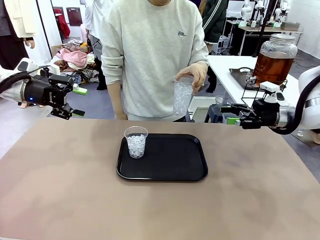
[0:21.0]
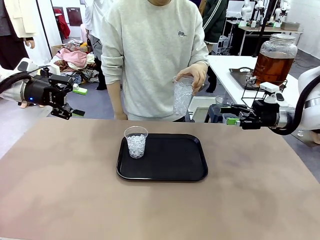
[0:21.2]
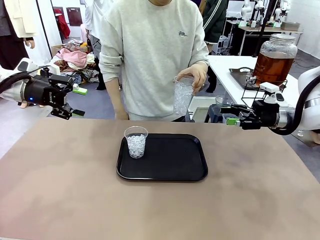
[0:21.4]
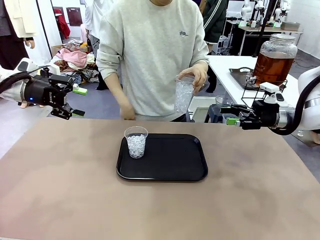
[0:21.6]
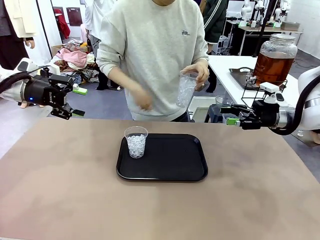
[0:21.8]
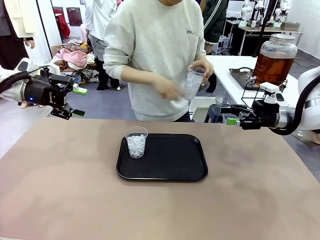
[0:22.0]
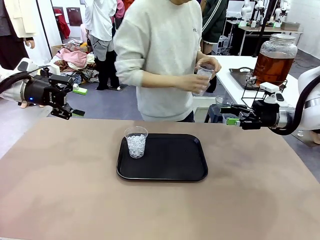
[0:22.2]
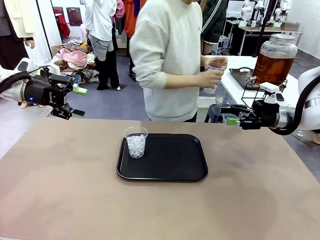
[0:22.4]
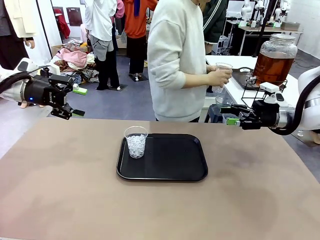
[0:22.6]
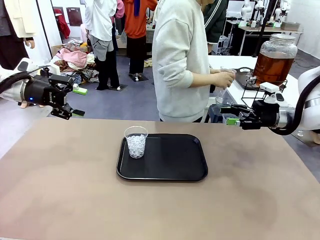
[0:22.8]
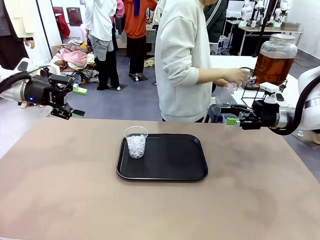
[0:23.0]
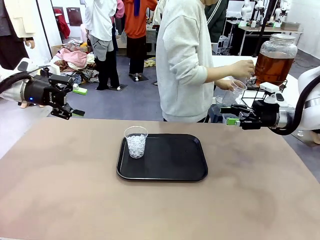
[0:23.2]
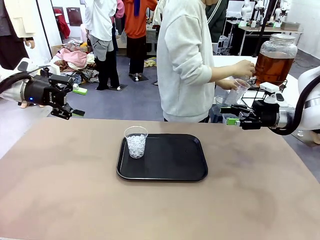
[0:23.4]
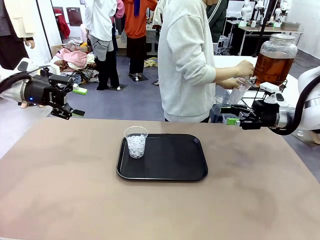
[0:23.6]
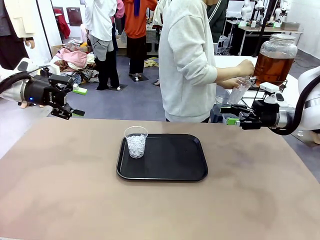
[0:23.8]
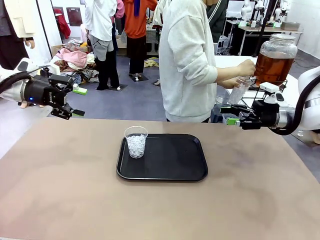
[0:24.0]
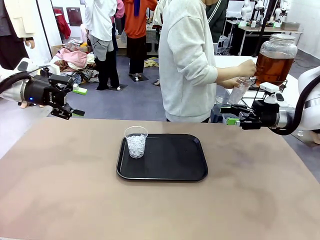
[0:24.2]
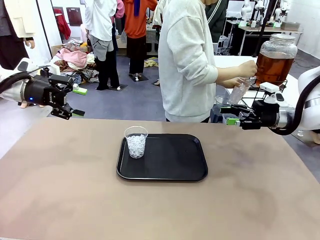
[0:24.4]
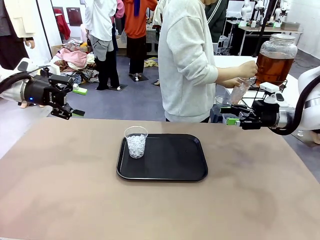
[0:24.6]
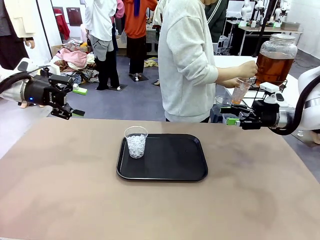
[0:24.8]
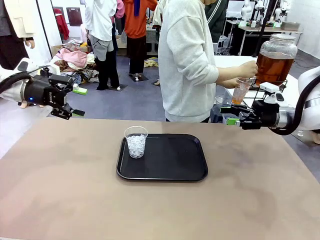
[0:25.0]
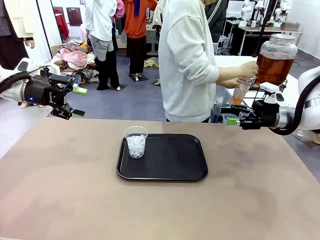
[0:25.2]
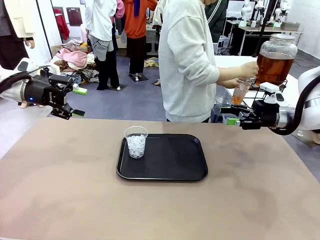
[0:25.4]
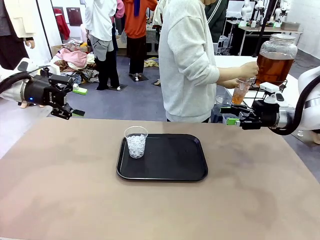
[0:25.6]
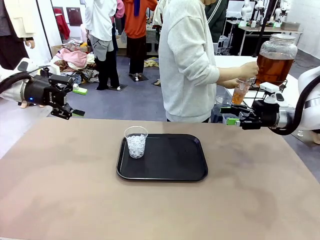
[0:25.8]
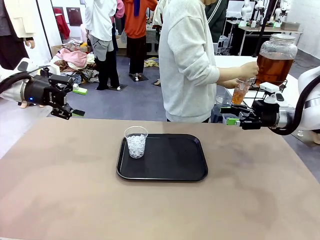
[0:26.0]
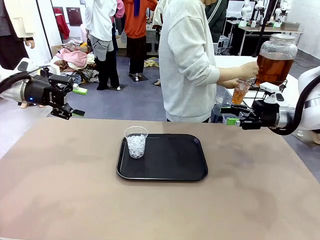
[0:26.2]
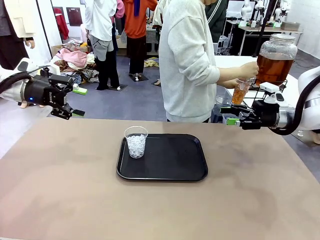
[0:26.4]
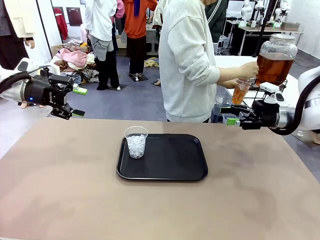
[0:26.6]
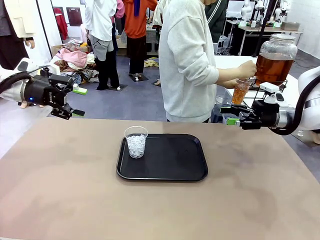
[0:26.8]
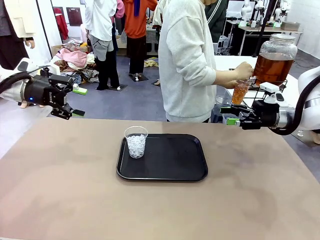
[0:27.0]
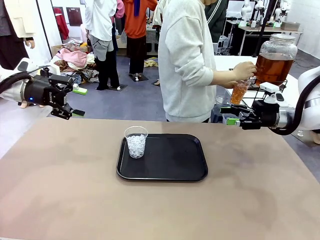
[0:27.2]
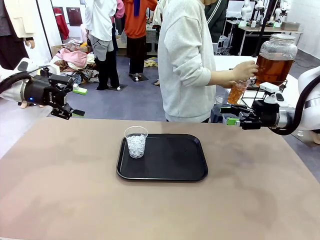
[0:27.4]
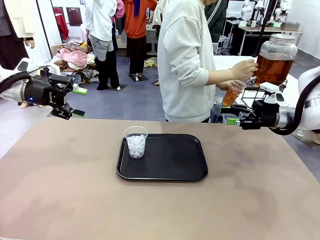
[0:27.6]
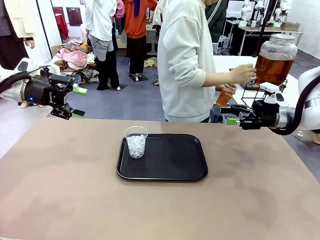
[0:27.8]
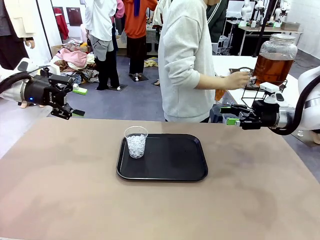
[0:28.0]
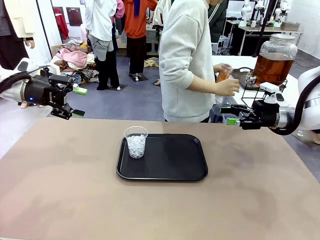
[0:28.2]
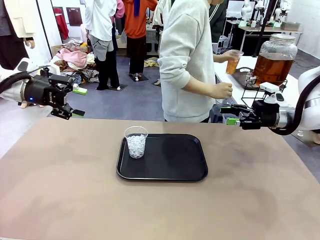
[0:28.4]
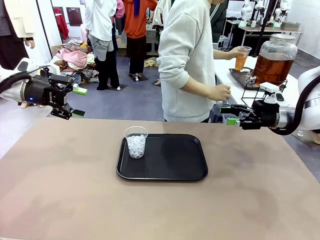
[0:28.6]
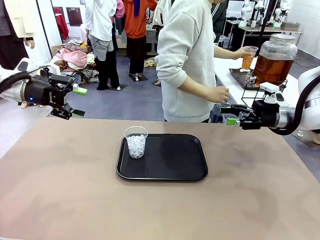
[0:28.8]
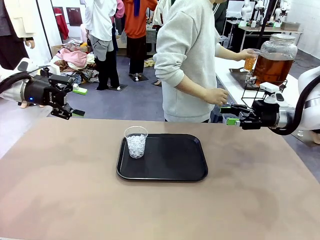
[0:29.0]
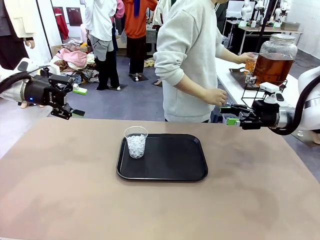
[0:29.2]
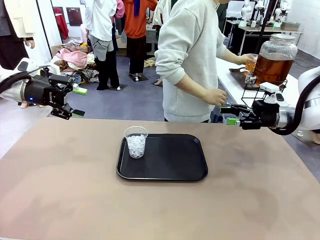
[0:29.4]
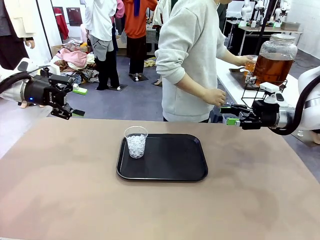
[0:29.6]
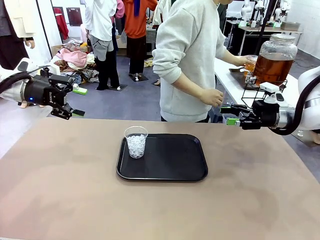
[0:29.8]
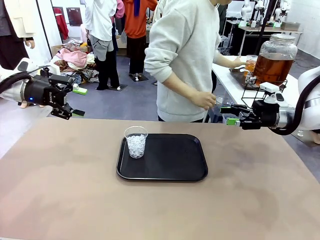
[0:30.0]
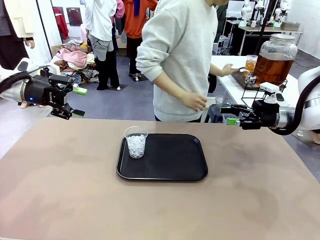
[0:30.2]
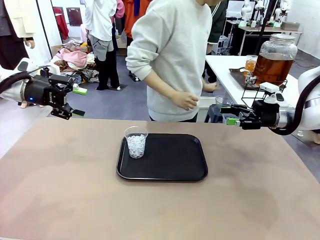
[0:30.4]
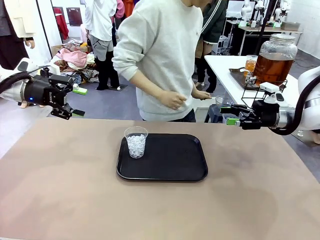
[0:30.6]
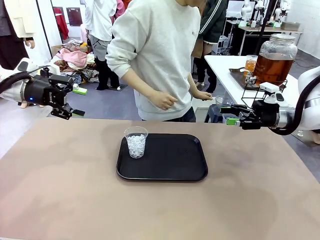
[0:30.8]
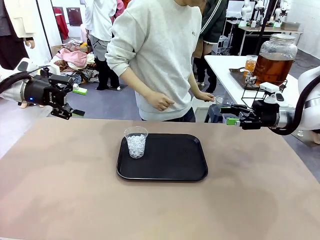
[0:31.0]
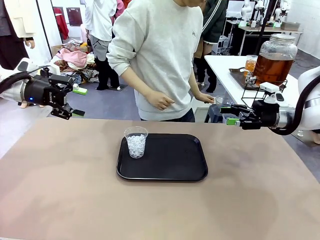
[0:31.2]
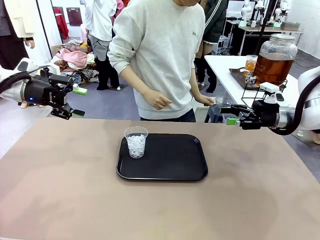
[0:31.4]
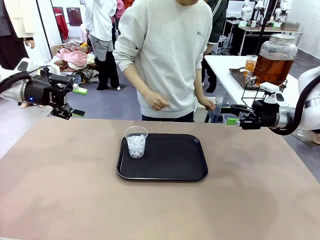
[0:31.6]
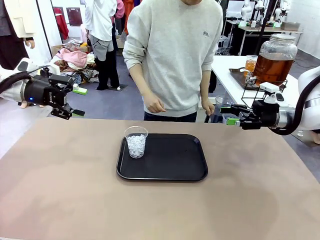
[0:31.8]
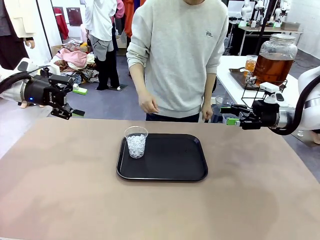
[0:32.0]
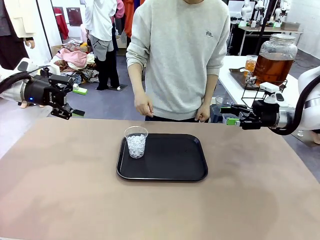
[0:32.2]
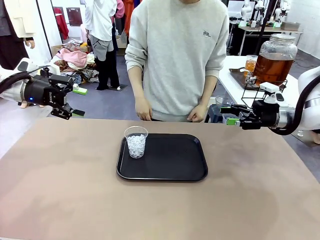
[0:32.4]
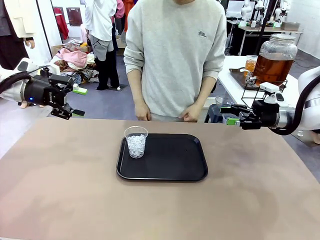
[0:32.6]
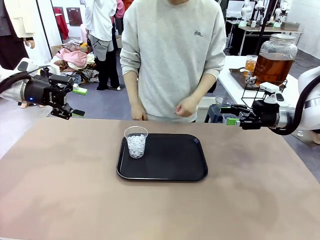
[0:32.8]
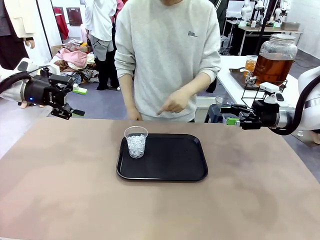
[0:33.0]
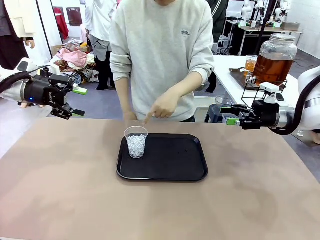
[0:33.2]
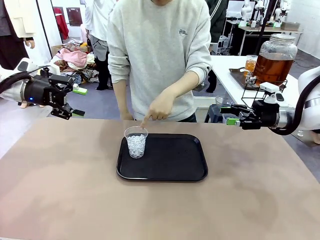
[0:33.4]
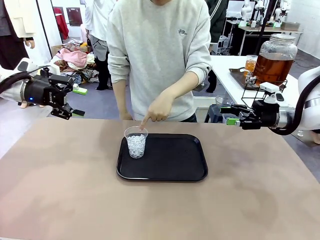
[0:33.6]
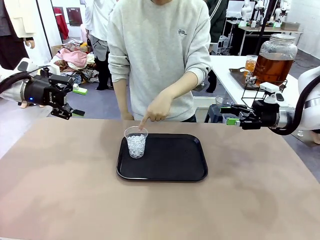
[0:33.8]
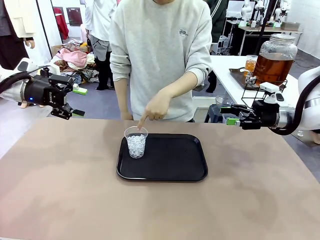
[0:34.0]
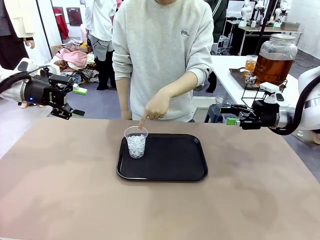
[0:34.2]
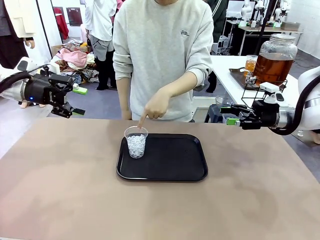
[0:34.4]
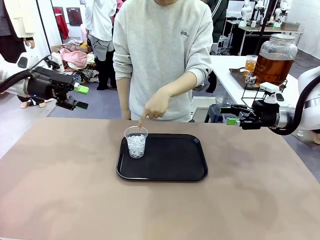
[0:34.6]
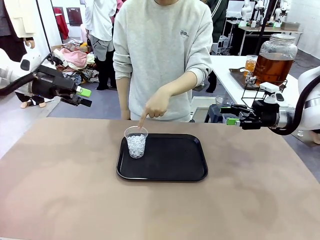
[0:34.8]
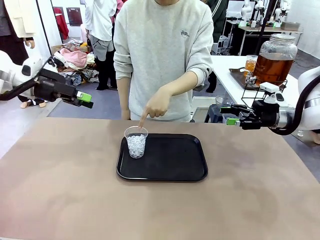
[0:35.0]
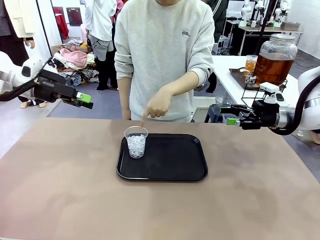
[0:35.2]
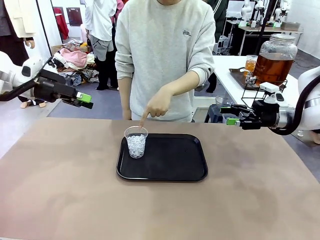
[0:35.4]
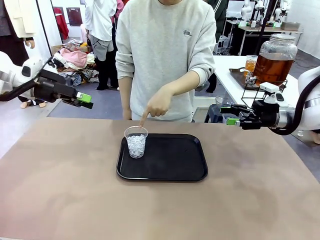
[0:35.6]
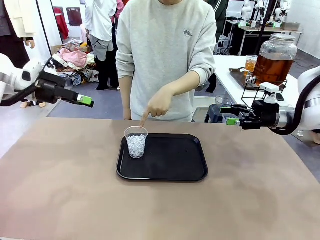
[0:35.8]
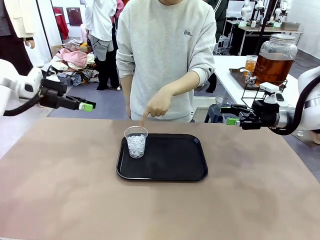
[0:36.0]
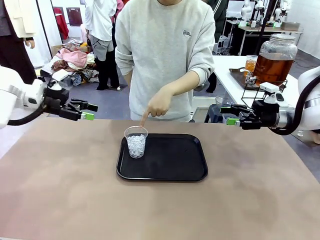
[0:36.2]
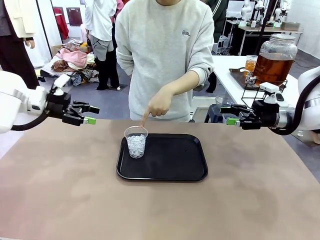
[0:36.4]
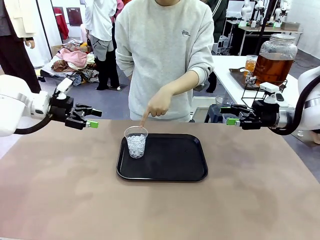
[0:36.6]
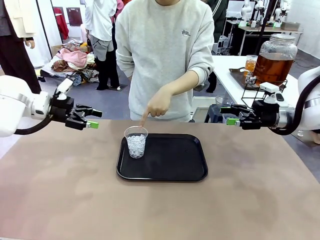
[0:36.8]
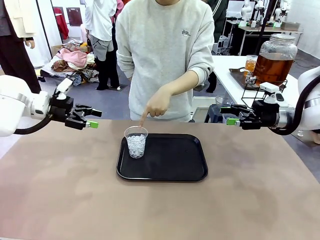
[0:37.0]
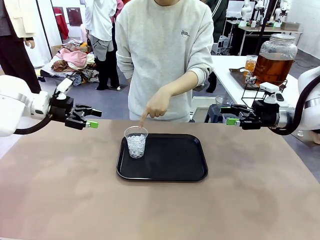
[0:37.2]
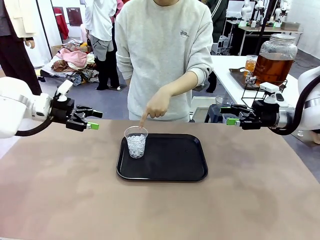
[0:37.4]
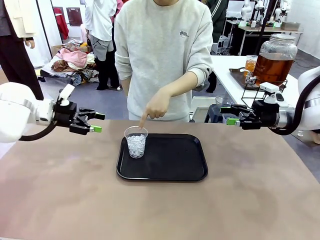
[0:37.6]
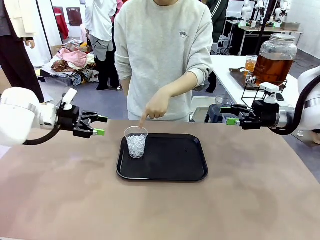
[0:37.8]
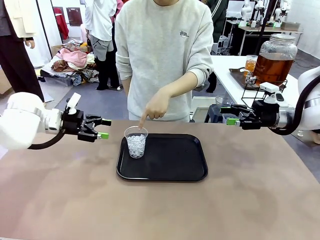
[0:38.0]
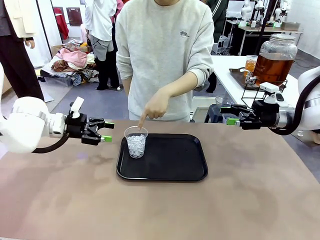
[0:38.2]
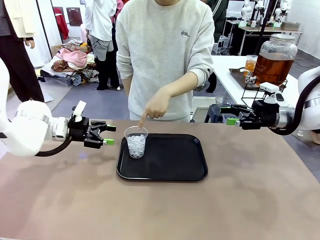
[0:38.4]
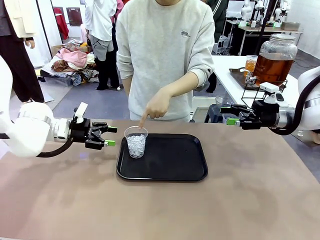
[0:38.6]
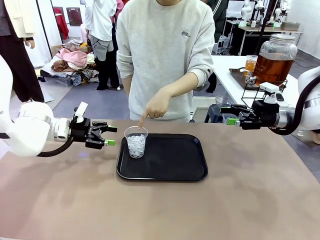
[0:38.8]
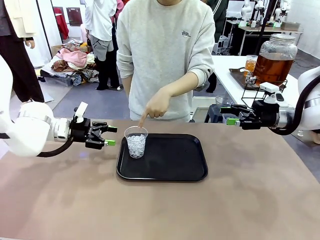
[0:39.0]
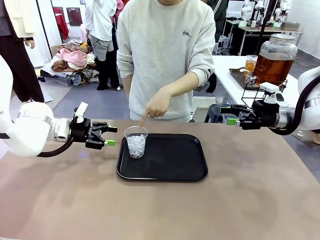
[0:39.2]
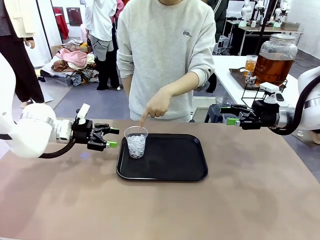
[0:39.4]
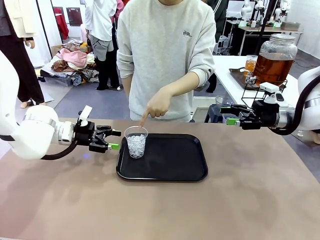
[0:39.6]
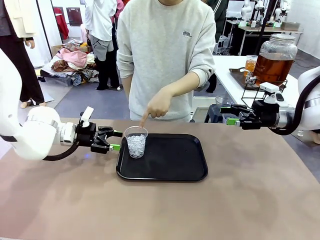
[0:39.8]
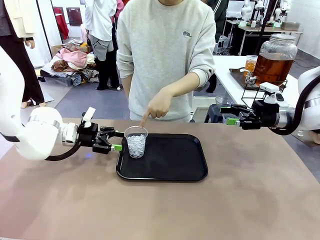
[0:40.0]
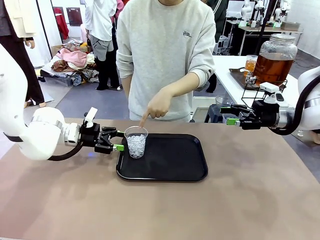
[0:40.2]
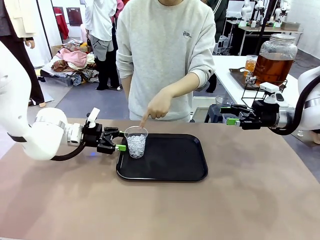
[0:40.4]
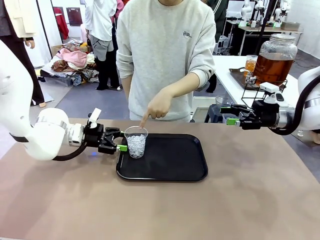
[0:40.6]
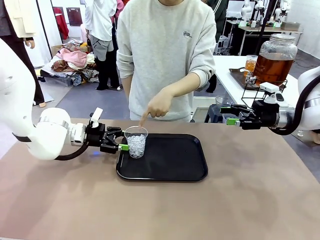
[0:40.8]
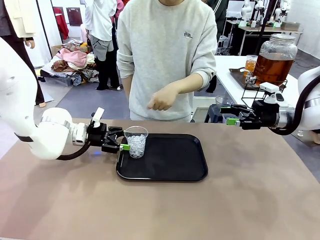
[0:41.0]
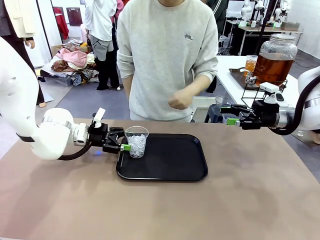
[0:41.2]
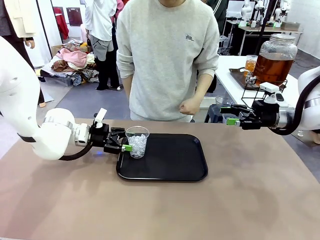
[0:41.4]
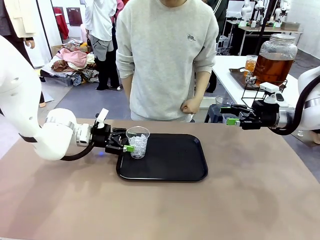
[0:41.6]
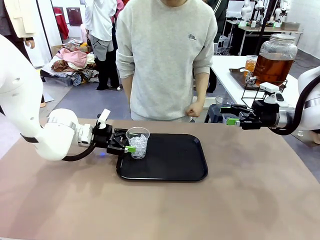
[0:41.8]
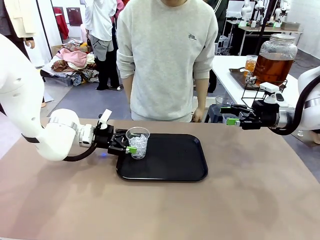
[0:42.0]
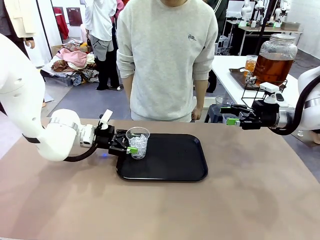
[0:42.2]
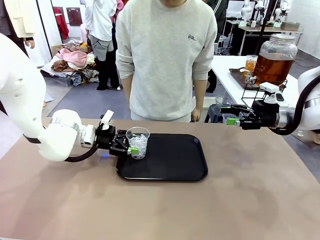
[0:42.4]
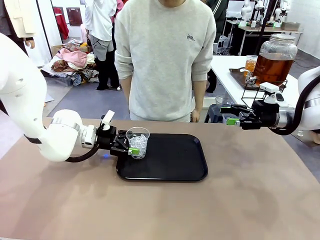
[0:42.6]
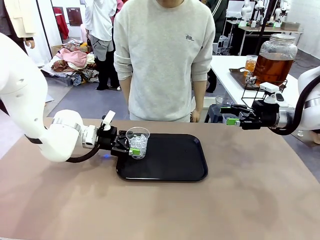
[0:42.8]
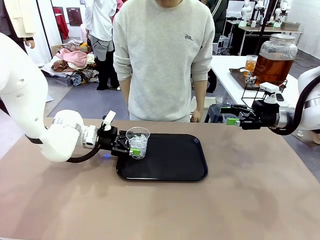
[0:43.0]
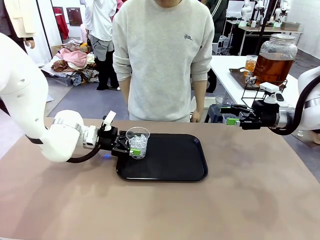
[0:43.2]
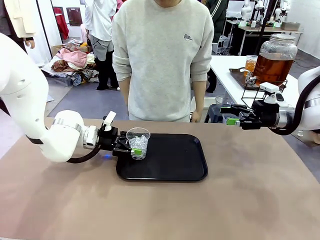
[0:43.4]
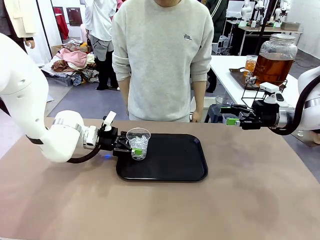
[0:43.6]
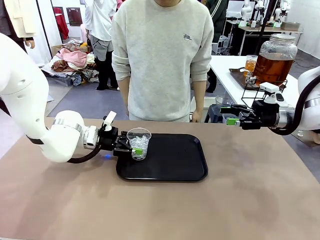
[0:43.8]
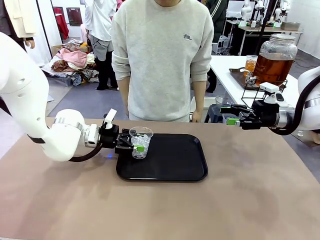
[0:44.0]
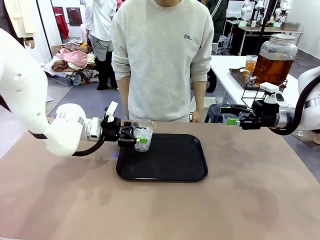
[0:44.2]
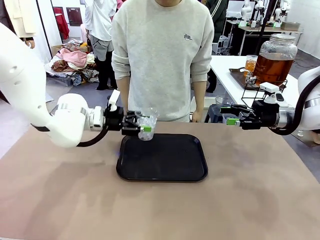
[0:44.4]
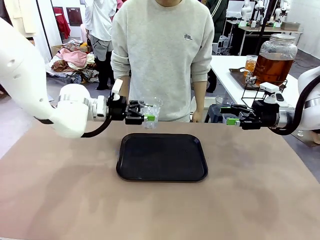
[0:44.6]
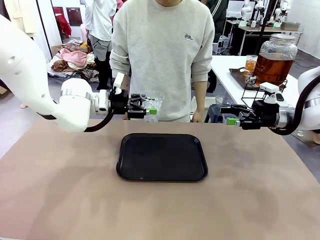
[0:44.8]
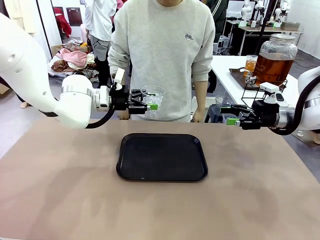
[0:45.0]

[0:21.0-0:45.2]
Task: Pour the drink into the iced cup.
Robot: Pick up the iced cup indicated by the human and present it to them.
Person: Move the picked-up cup under the dispenser faucet, pour the drink, and place it on the tray on the human table. Point to the remaining ice cup on the robot table. Pick up the cup offered by the robot.
